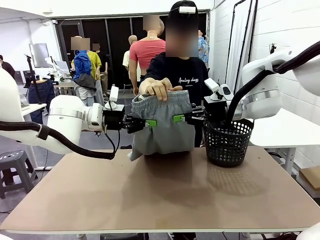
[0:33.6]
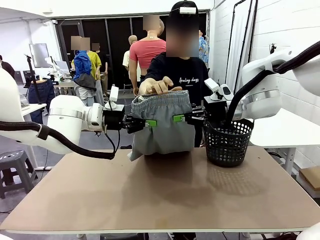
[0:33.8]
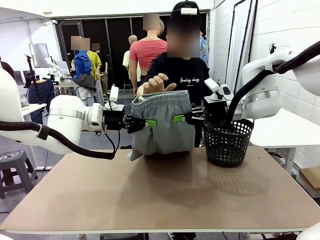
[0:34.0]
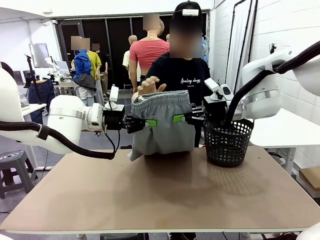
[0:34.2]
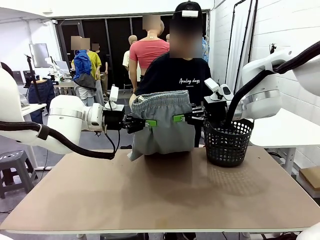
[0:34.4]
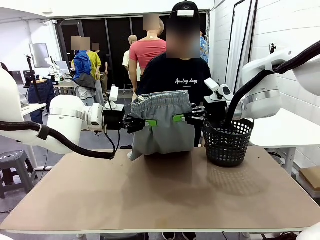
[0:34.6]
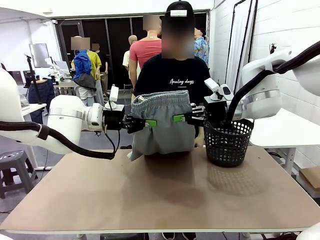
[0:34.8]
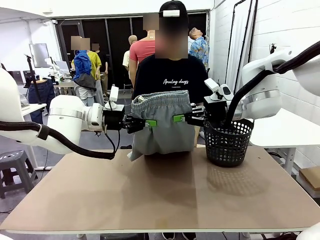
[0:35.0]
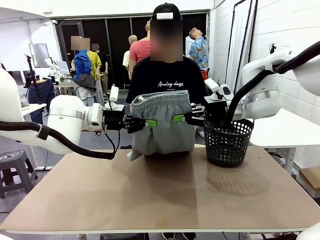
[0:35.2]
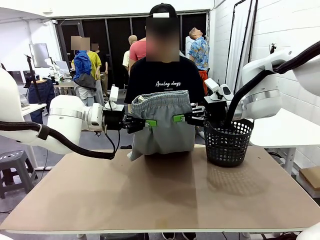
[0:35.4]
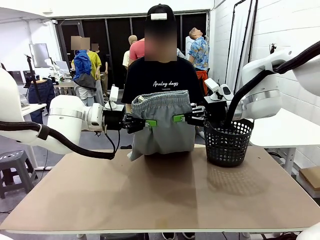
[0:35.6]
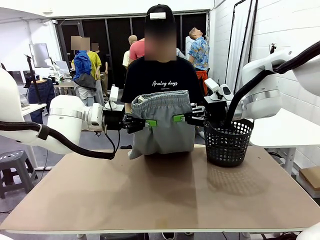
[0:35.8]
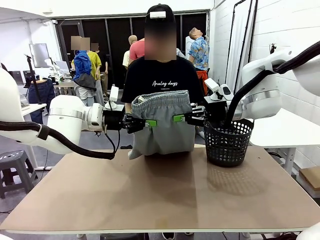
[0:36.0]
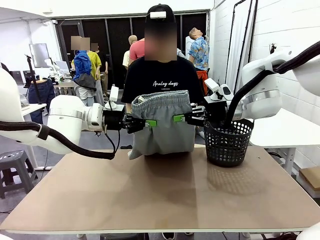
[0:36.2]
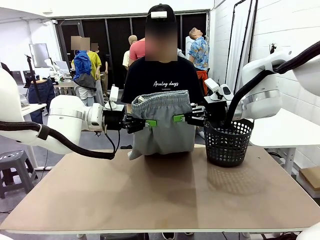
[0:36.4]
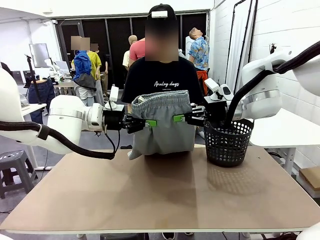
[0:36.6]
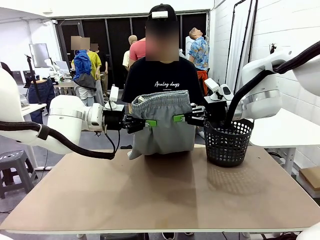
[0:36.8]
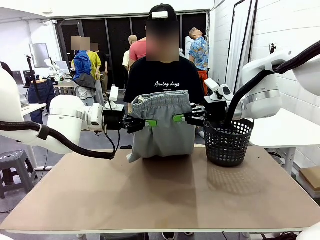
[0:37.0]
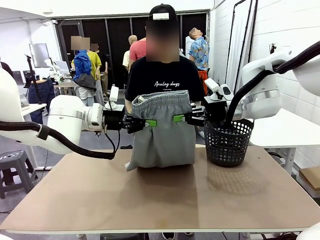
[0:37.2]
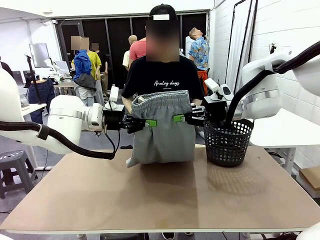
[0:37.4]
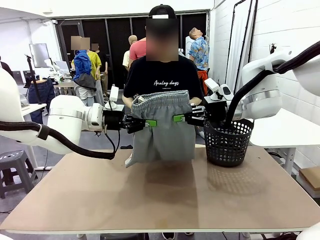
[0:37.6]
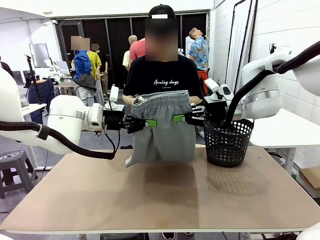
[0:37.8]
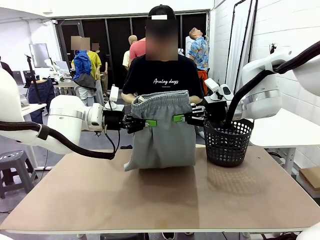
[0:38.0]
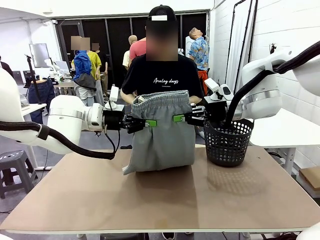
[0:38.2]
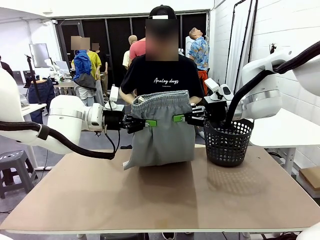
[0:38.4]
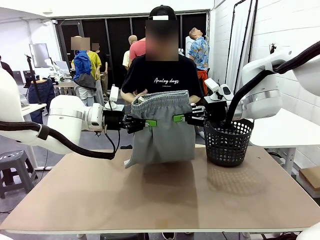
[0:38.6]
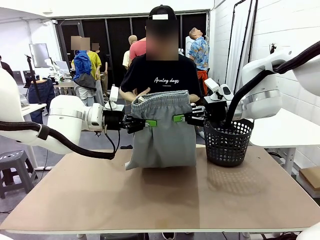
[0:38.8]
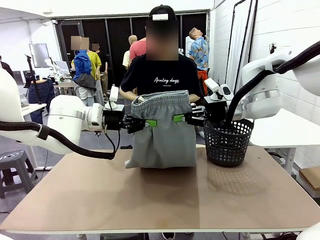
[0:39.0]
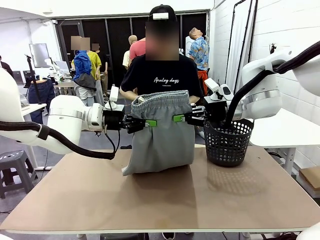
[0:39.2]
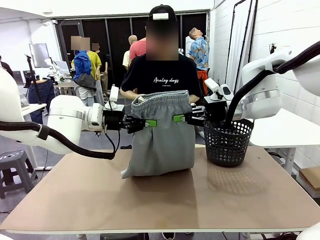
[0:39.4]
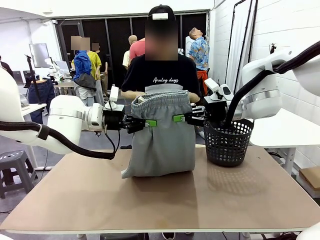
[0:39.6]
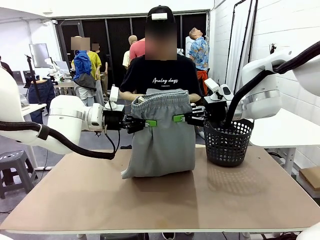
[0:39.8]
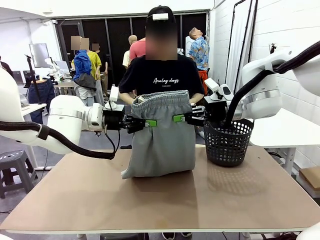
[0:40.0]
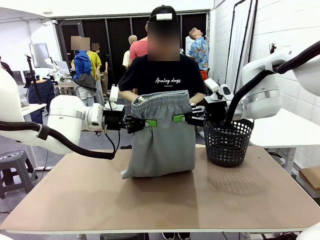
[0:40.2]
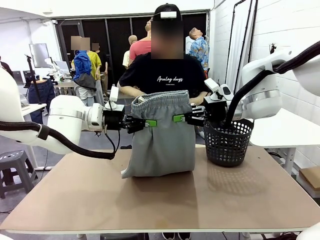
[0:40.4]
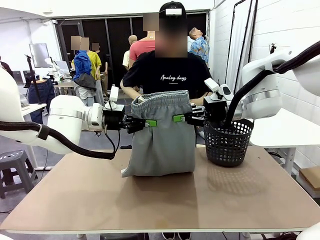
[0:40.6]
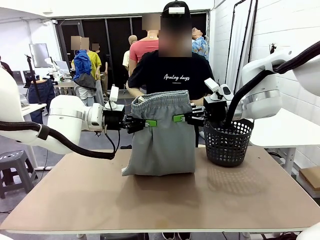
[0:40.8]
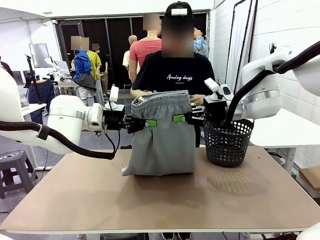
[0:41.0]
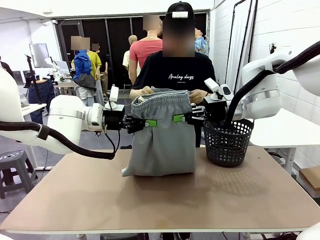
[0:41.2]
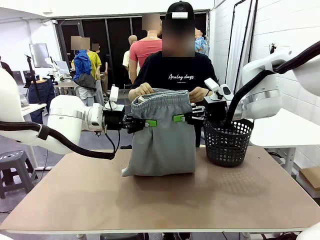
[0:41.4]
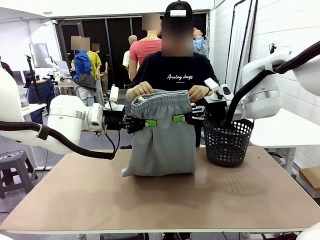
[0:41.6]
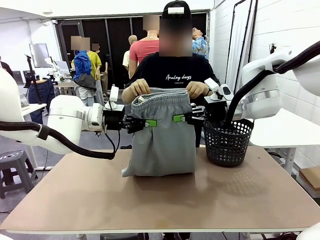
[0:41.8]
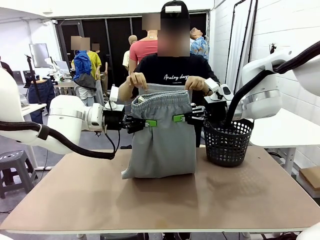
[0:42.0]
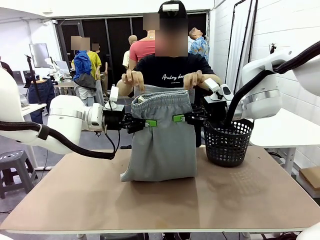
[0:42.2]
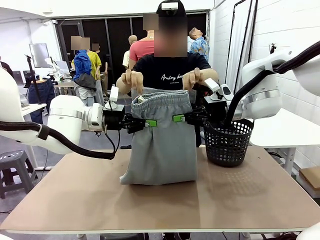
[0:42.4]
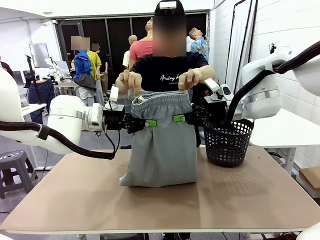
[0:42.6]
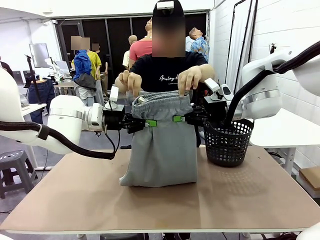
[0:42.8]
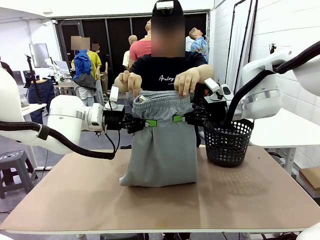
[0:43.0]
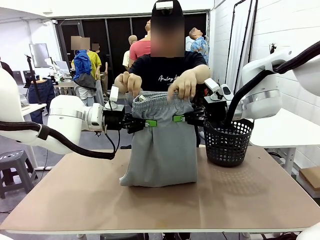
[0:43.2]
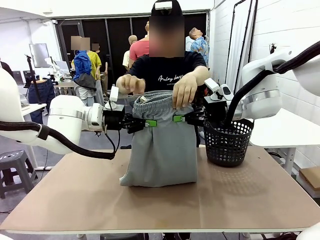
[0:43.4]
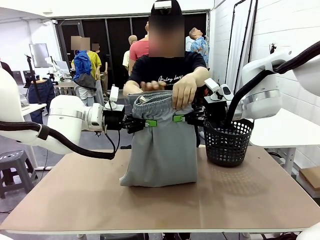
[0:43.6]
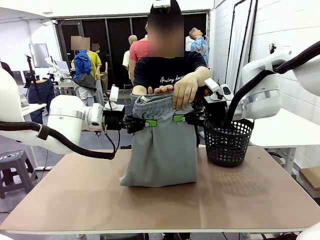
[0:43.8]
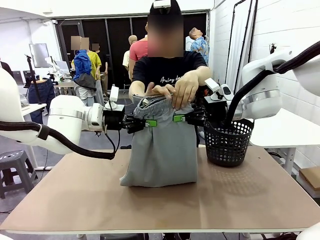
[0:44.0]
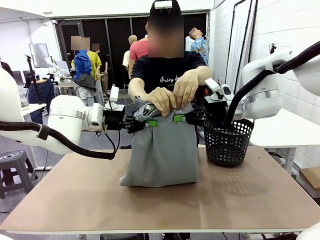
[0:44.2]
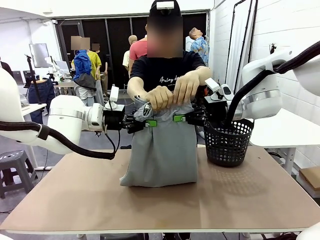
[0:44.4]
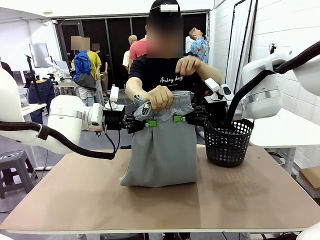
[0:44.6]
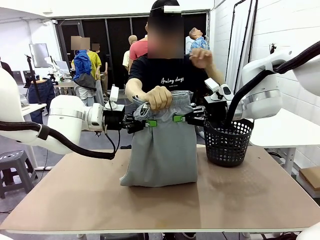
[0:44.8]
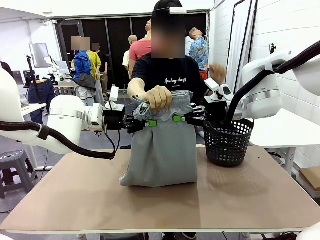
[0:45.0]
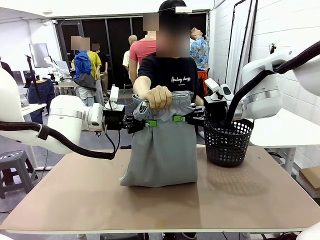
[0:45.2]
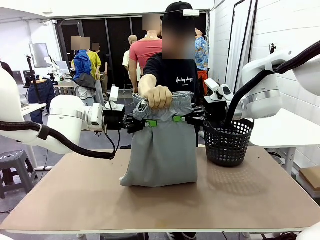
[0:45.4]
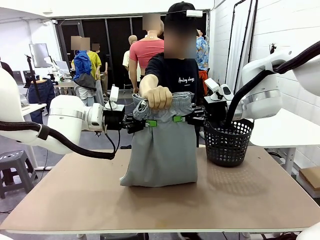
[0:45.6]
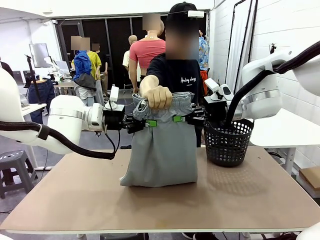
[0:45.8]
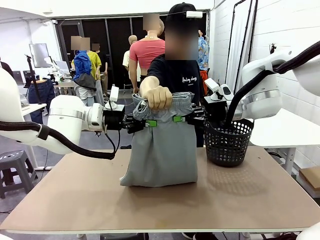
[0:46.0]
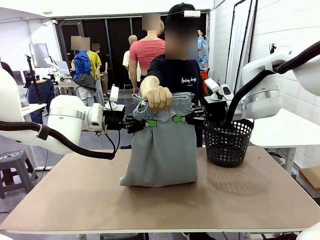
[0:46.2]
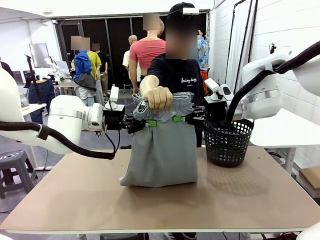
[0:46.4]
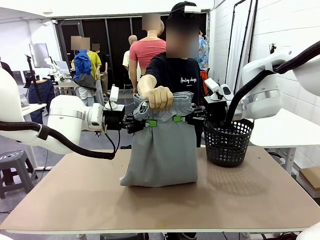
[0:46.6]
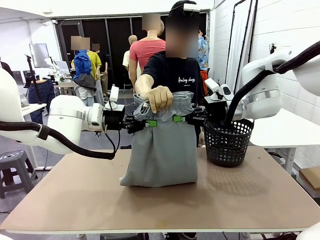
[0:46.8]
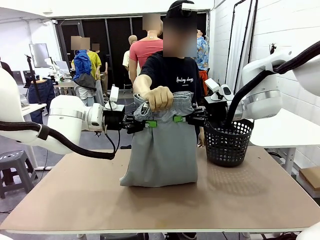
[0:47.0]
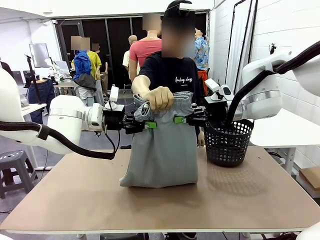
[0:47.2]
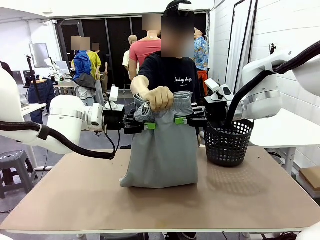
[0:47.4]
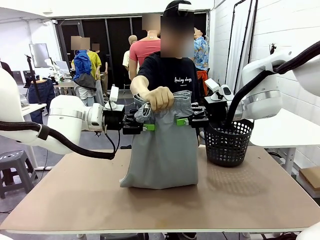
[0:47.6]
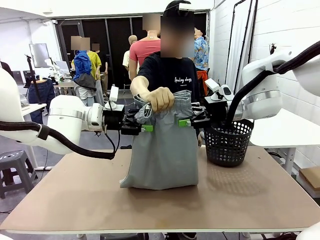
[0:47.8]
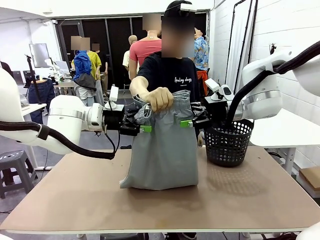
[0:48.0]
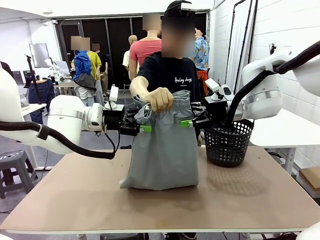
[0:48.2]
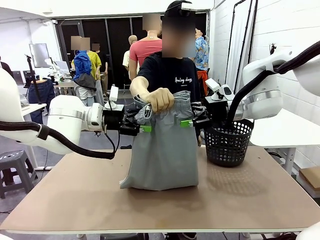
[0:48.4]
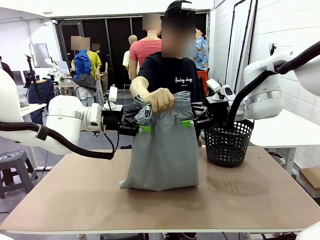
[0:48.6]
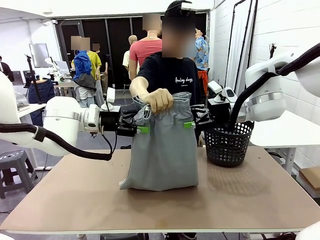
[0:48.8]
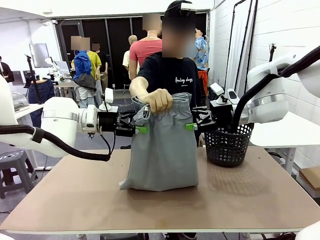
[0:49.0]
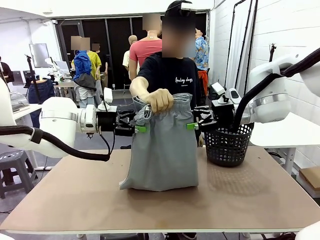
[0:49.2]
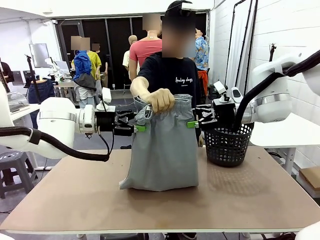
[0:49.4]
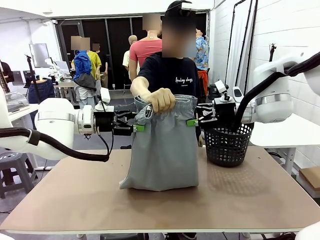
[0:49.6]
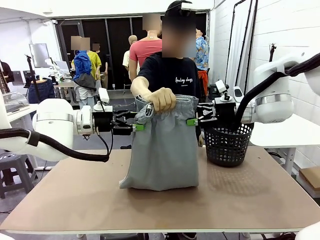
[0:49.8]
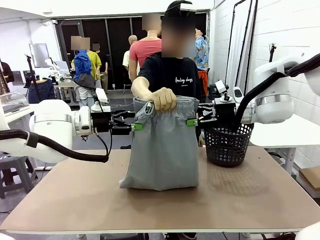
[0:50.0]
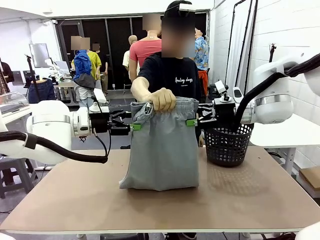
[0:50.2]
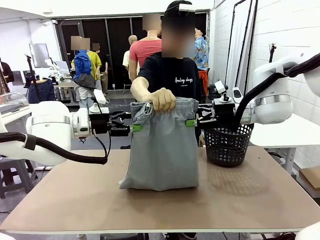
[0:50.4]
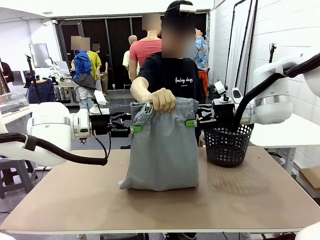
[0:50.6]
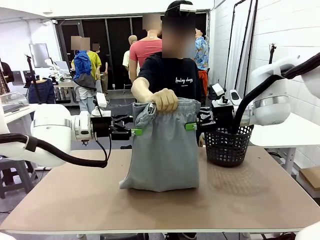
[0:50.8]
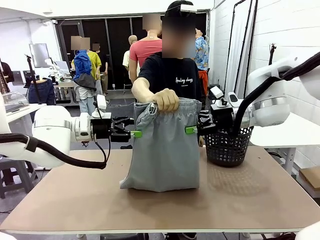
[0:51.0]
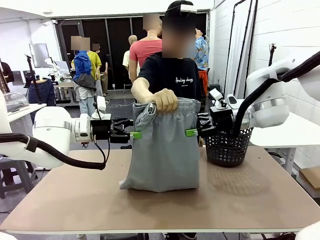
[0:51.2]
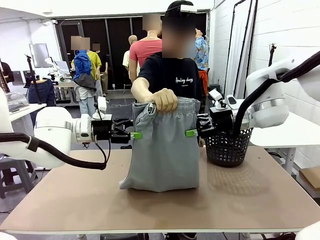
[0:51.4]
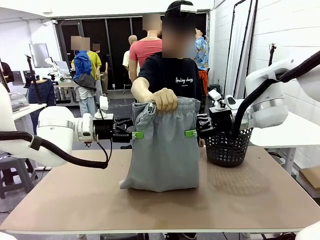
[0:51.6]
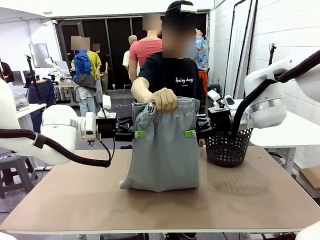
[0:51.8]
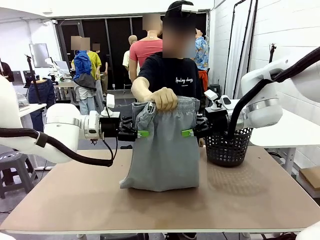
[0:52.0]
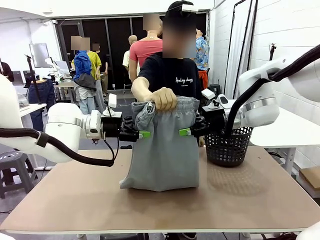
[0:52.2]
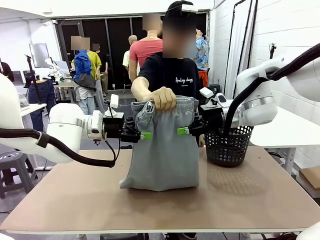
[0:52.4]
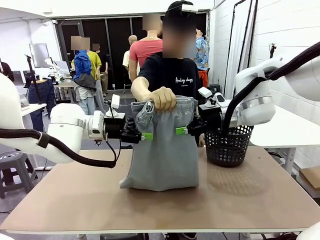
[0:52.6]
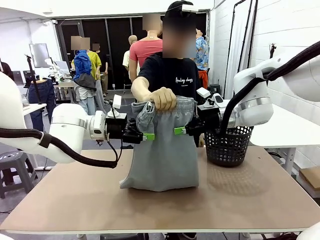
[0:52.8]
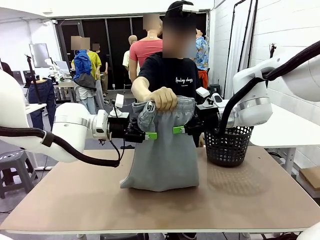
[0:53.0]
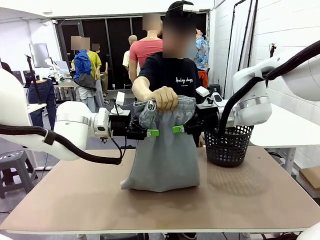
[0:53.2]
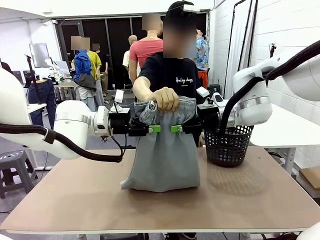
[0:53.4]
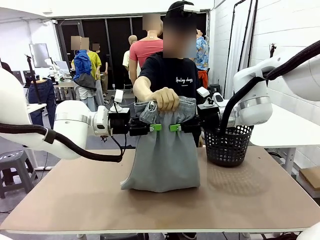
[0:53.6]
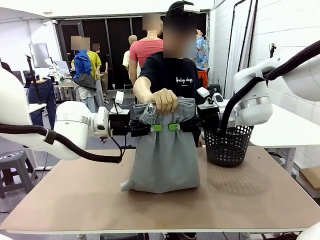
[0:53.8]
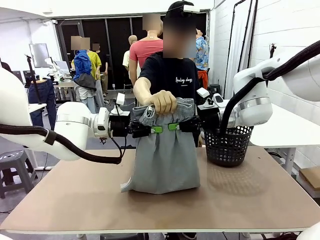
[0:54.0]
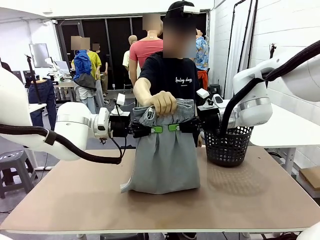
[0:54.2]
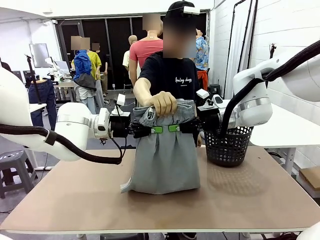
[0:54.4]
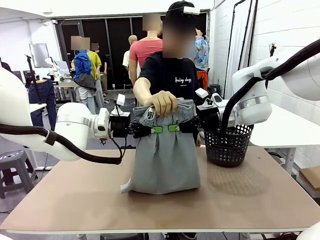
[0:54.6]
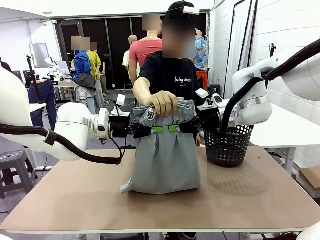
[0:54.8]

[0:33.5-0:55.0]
Task: Fold the training pants.
Robot: Release the ends of the Training pants and then grab the overlapped ends.
Person: Grasp the end opposite the point the robot is holding, fold the pants in half, and then grasp the overlapping top end of the folded pants. Release the pants you were holding.
